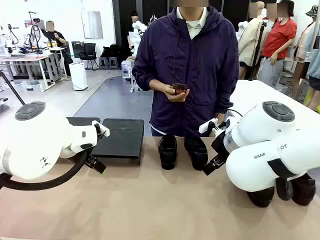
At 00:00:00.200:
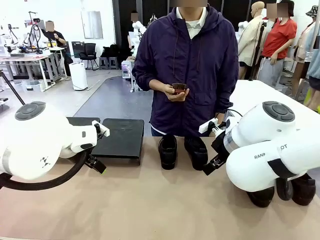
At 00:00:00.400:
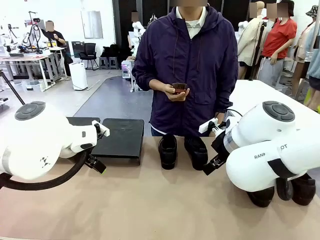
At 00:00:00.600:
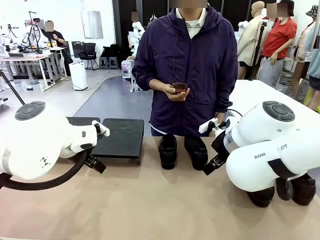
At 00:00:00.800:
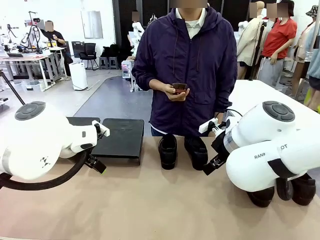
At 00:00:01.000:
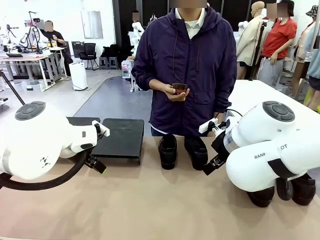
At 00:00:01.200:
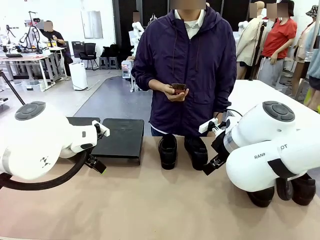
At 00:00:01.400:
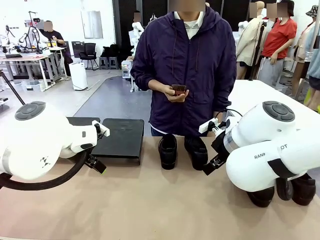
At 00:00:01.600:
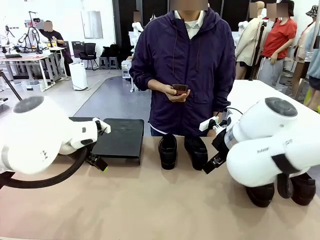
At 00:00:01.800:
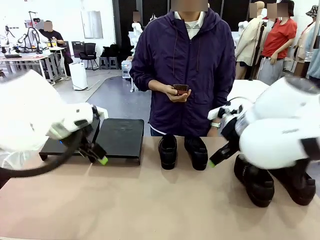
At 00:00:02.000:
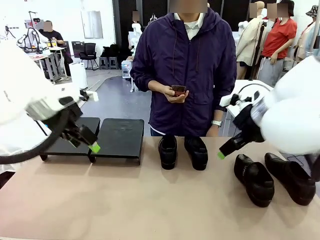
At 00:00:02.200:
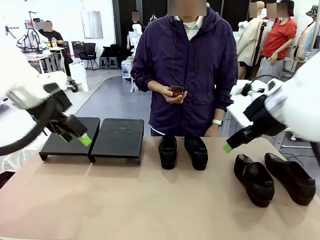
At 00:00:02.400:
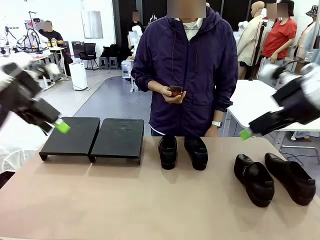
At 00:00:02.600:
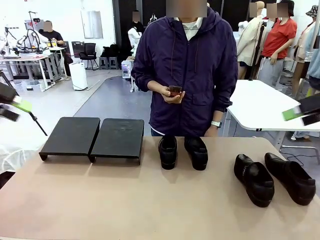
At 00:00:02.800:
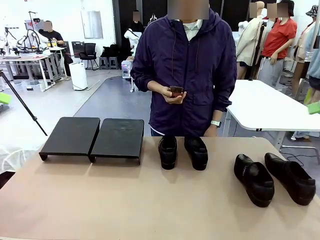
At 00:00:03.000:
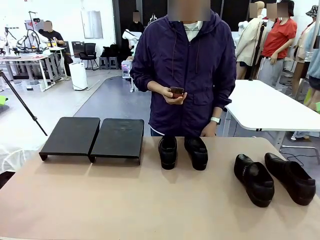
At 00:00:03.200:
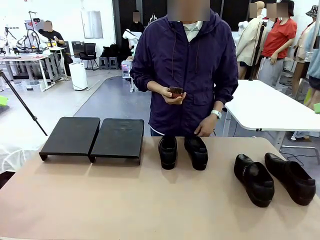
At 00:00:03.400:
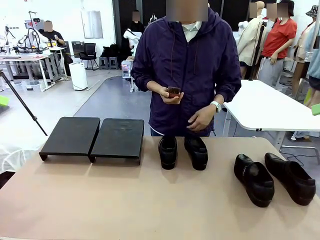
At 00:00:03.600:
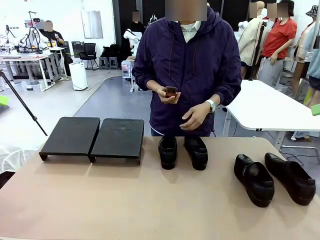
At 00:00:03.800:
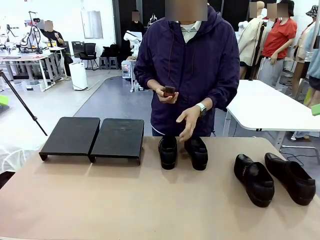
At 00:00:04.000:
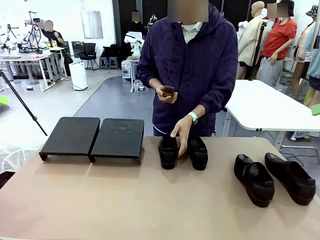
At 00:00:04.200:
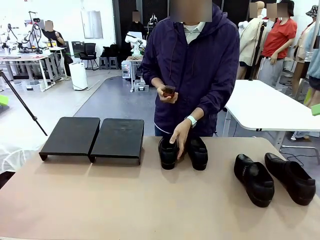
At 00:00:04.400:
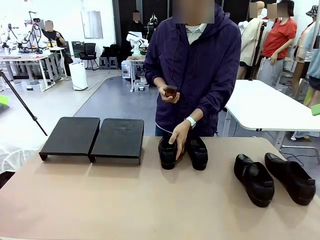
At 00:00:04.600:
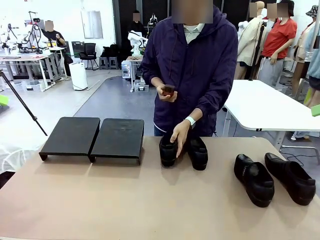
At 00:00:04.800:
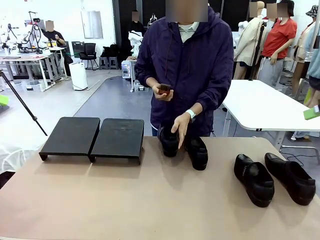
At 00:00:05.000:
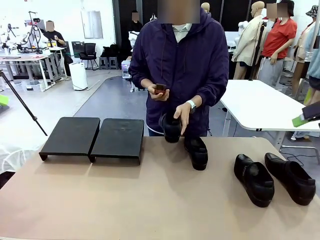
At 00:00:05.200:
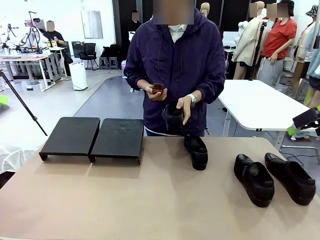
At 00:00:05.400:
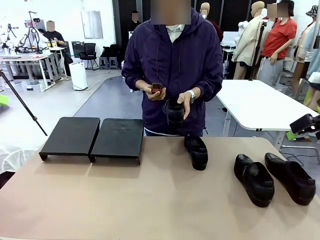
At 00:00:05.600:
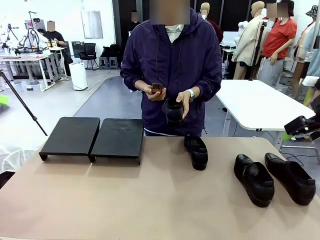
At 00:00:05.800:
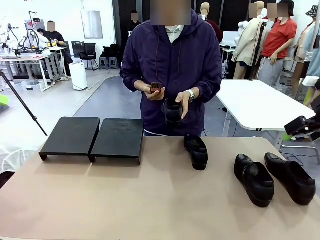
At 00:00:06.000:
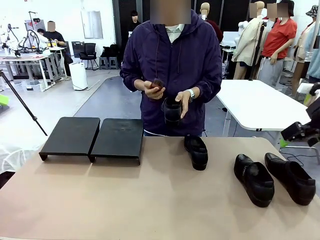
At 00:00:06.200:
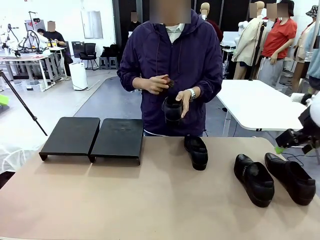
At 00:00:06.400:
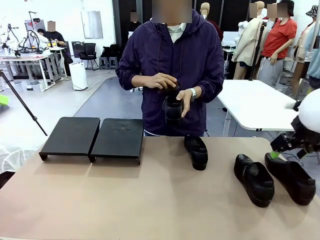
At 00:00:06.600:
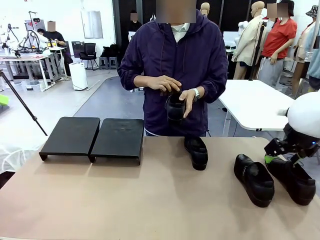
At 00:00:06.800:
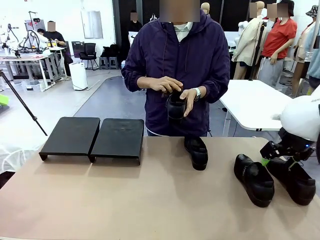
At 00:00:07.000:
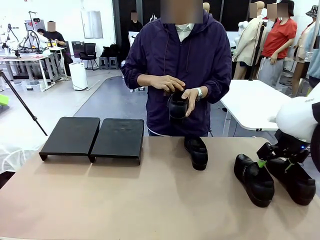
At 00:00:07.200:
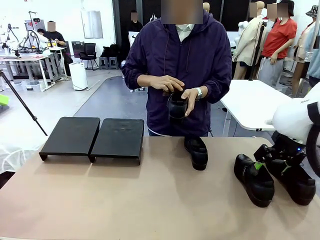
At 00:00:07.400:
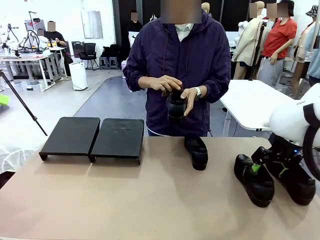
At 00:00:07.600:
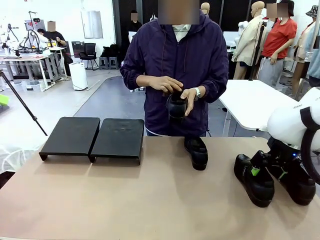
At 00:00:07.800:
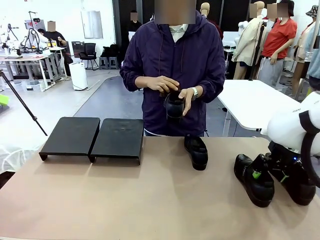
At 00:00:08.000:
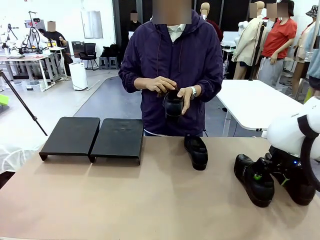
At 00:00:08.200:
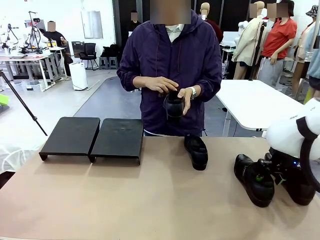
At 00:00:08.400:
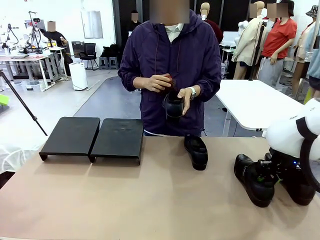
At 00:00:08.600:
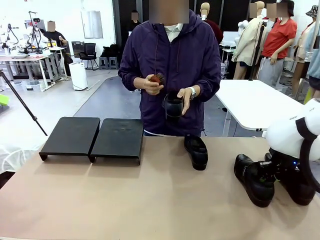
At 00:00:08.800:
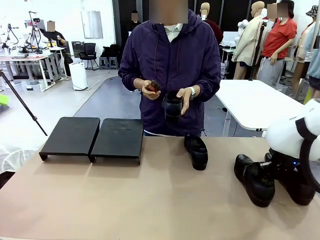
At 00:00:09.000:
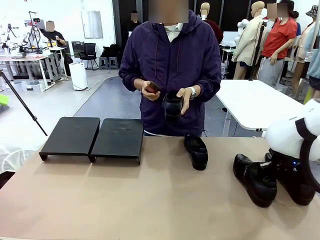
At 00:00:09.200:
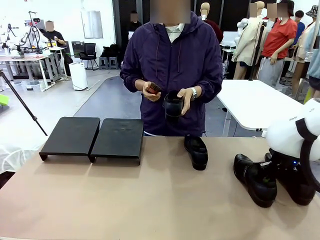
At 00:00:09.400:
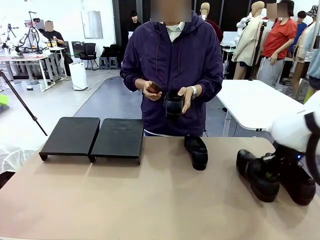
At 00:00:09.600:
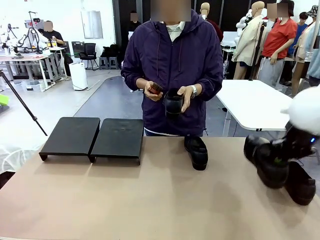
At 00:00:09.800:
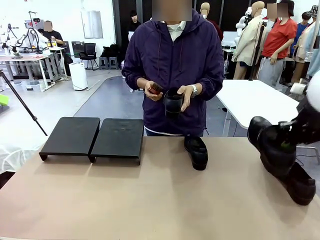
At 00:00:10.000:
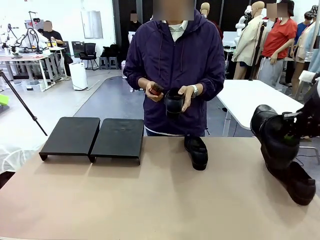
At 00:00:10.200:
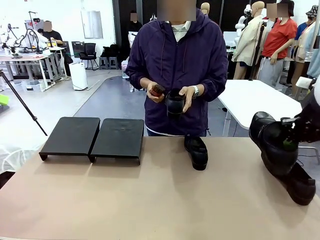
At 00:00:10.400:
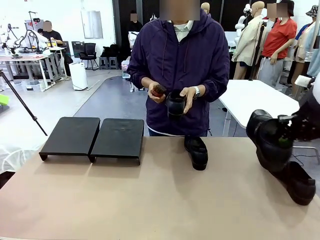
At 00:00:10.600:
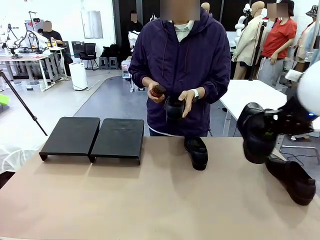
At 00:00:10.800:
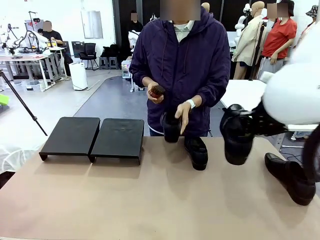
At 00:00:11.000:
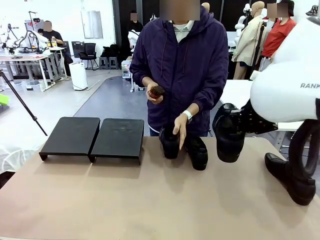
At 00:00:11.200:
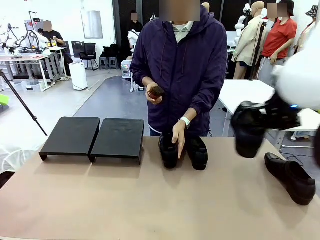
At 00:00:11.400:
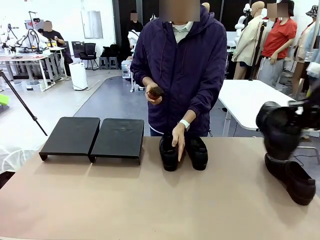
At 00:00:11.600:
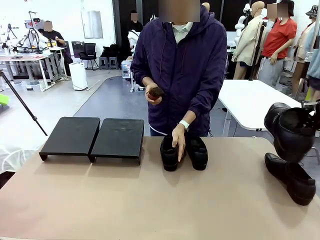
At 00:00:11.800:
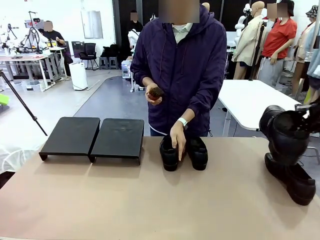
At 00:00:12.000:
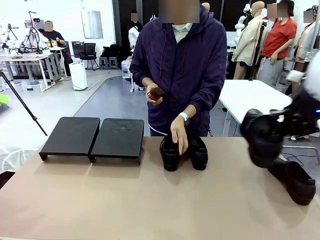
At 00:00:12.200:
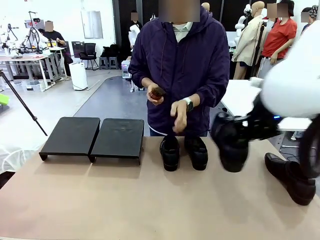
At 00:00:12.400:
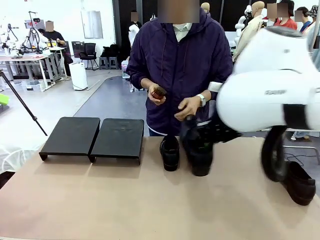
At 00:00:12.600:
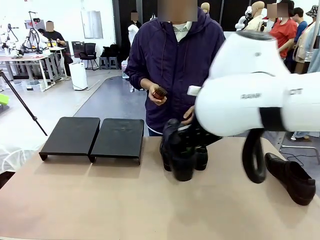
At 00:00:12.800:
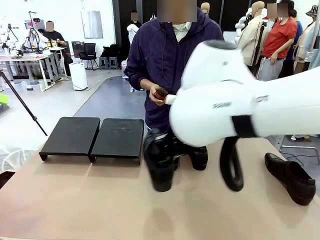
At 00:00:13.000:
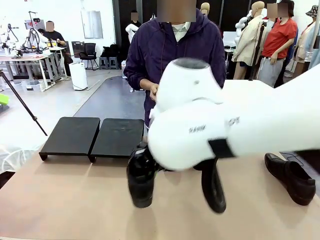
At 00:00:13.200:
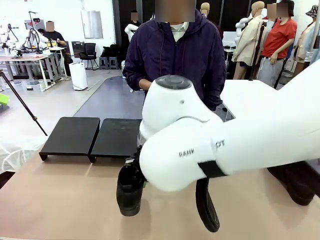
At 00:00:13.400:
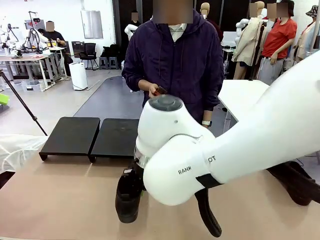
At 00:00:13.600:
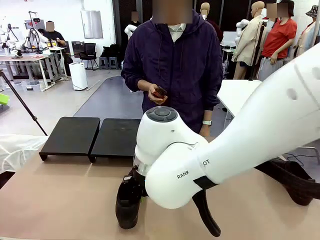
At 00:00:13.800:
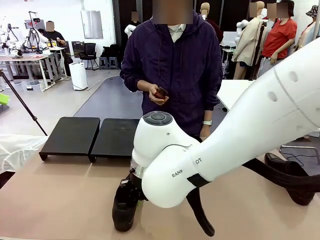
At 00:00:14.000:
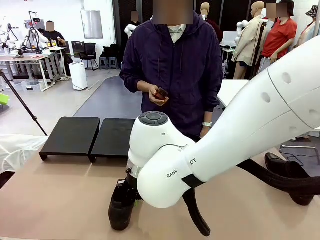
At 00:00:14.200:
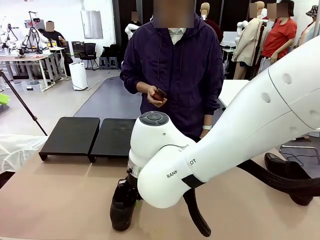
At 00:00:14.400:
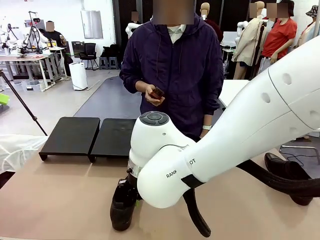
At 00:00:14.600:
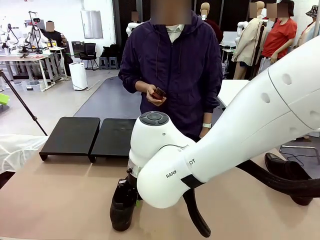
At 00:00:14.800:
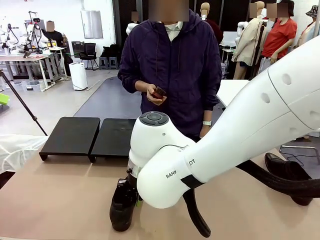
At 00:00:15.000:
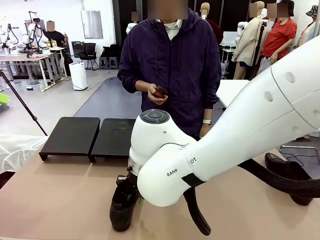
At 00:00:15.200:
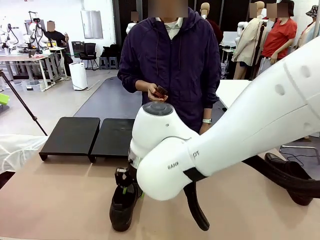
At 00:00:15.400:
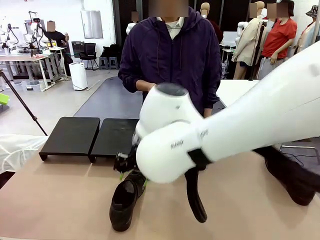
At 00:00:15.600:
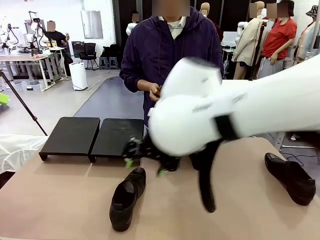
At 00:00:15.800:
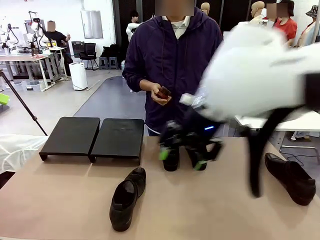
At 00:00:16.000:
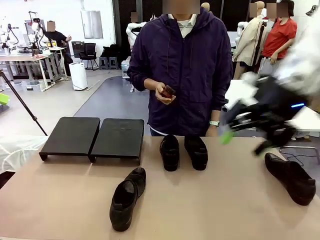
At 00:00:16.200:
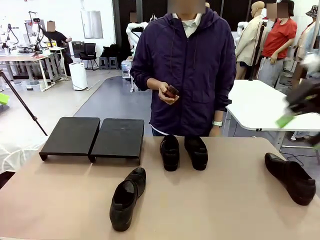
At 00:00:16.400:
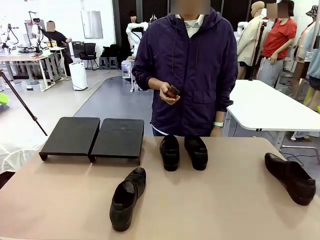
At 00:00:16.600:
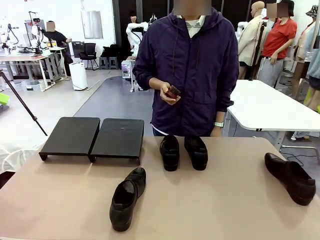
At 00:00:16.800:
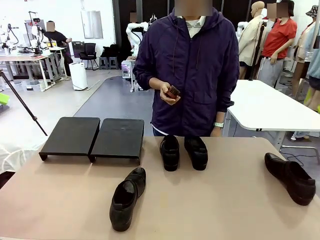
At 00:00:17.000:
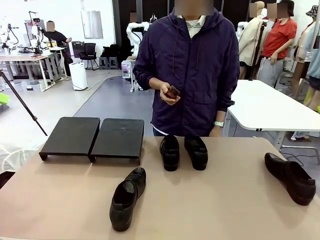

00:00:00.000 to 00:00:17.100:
Task: Organize the shoes by placing them on the stand.
Robot: Pick up one Shoe and place it in the middle of the table.
Person: Pick one Shoe on Robot's table. Clean the Shoe with the Shoe Brush. Place the Shoe on left side of the Robot's table.
